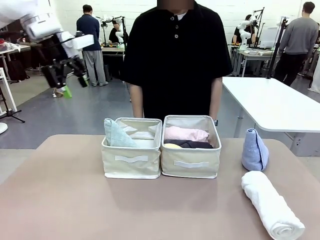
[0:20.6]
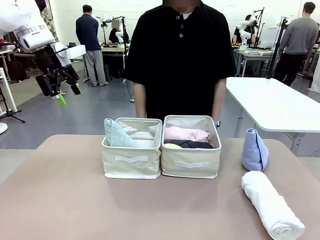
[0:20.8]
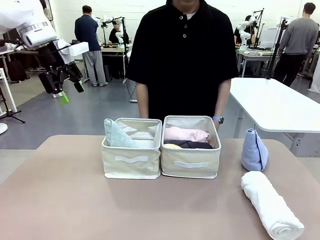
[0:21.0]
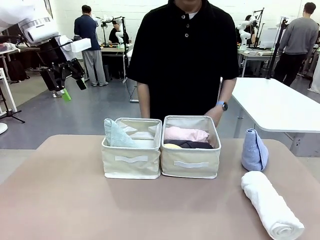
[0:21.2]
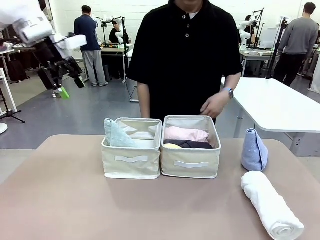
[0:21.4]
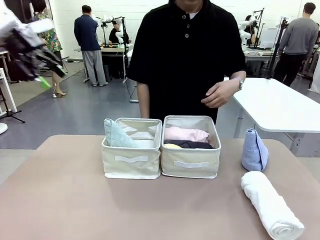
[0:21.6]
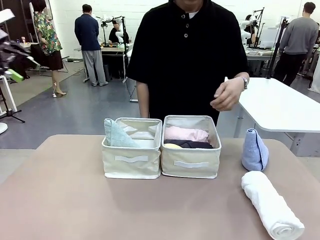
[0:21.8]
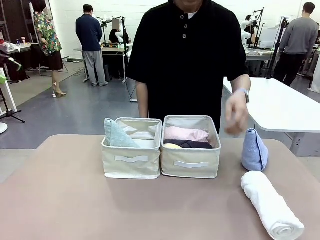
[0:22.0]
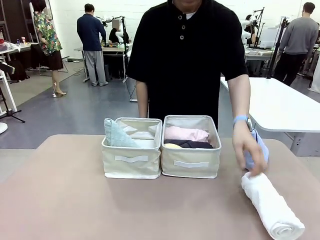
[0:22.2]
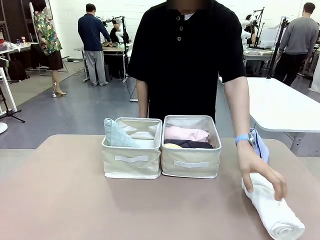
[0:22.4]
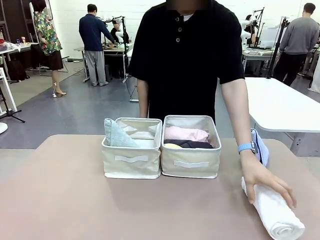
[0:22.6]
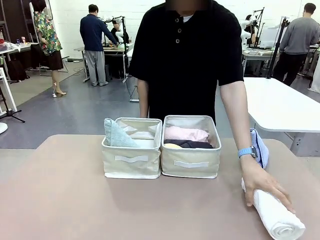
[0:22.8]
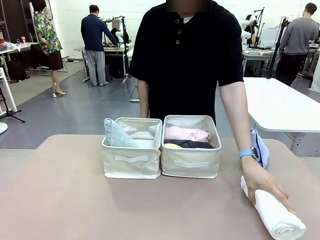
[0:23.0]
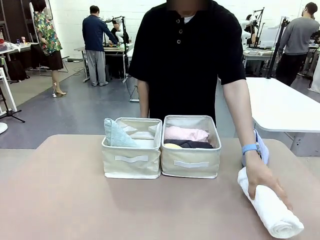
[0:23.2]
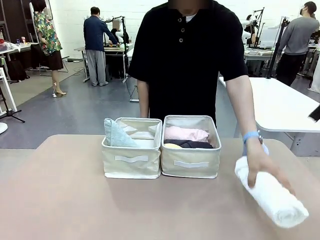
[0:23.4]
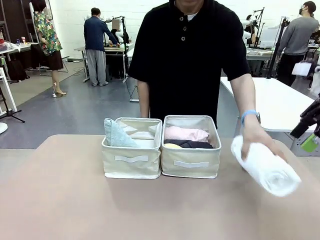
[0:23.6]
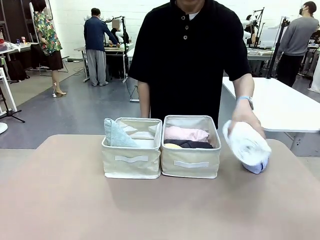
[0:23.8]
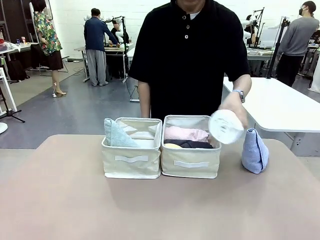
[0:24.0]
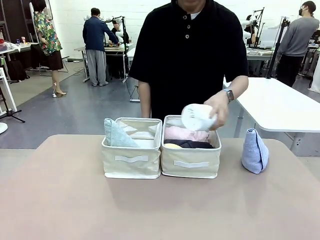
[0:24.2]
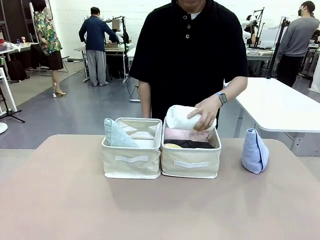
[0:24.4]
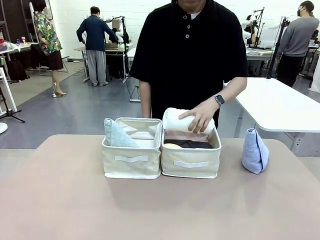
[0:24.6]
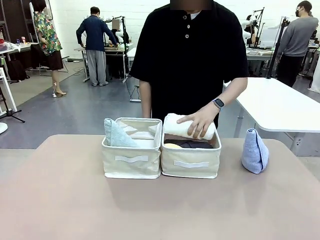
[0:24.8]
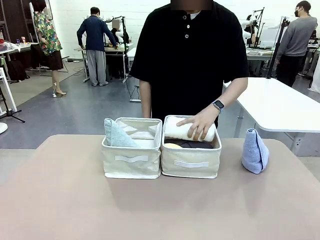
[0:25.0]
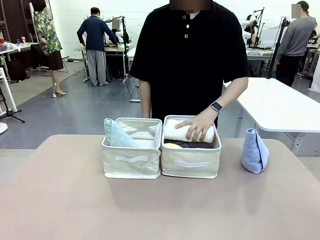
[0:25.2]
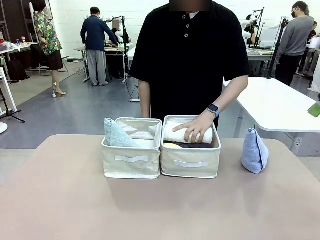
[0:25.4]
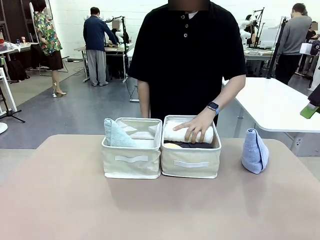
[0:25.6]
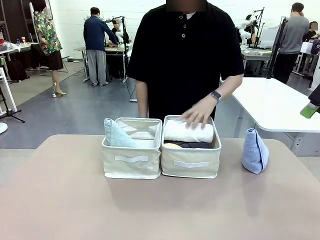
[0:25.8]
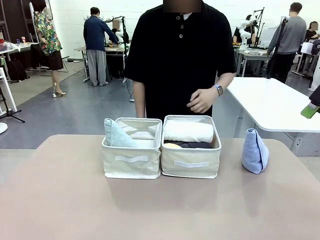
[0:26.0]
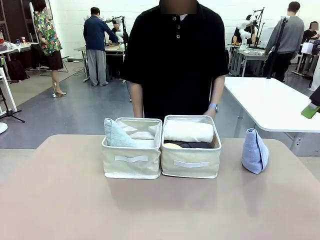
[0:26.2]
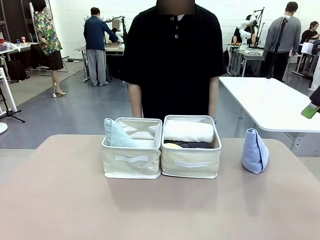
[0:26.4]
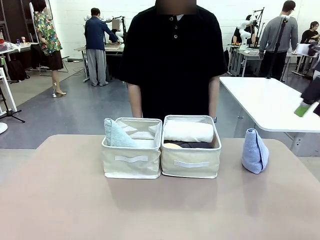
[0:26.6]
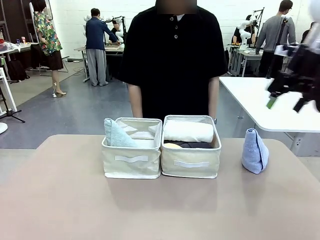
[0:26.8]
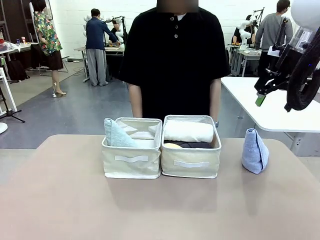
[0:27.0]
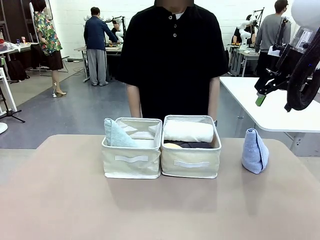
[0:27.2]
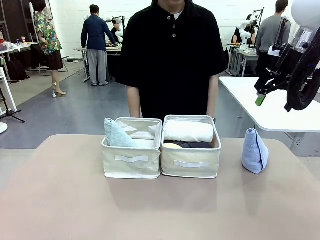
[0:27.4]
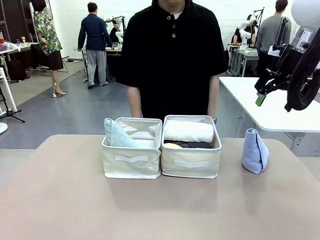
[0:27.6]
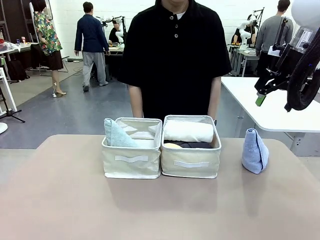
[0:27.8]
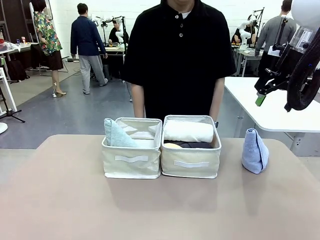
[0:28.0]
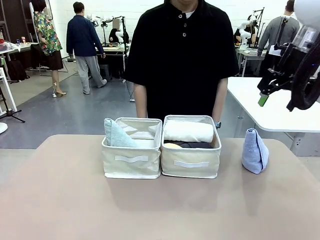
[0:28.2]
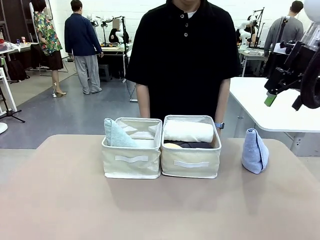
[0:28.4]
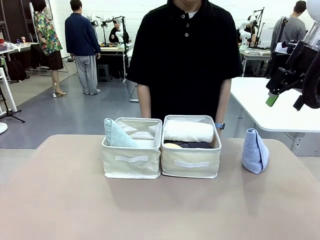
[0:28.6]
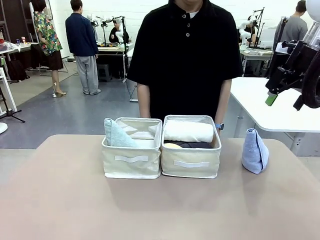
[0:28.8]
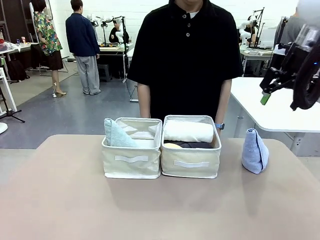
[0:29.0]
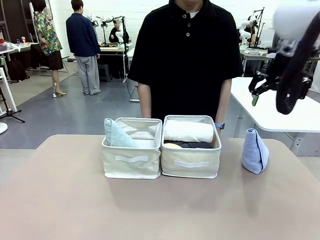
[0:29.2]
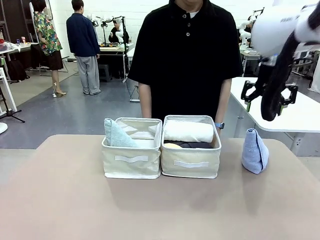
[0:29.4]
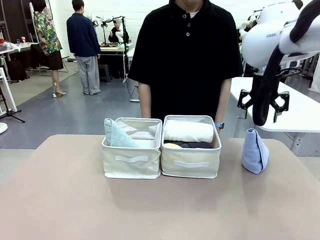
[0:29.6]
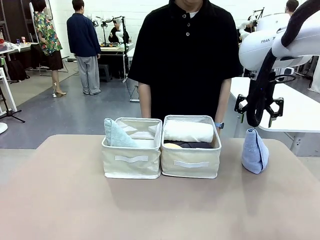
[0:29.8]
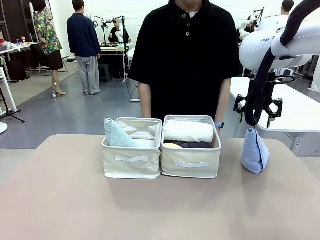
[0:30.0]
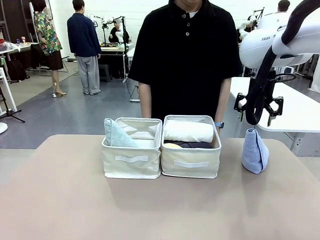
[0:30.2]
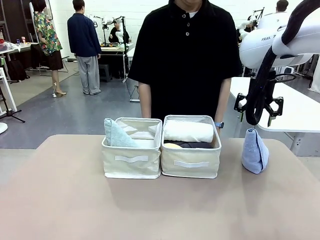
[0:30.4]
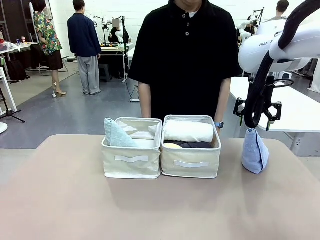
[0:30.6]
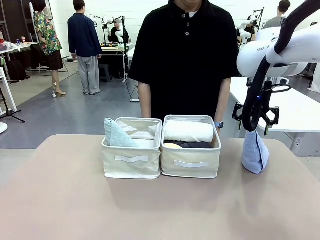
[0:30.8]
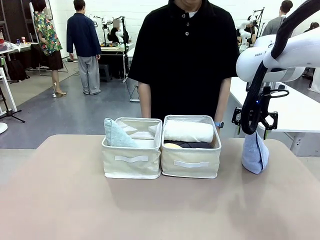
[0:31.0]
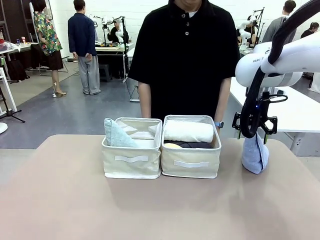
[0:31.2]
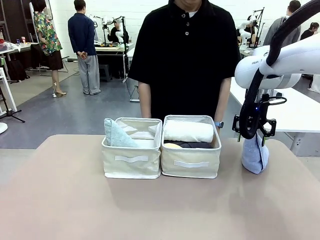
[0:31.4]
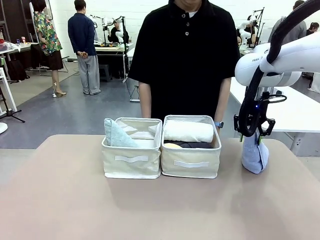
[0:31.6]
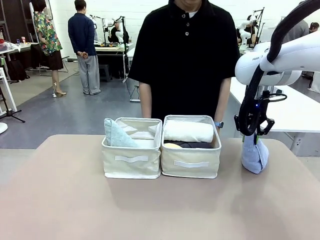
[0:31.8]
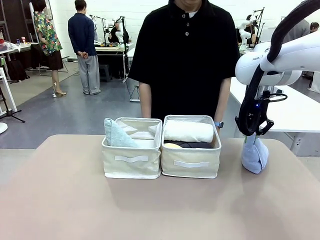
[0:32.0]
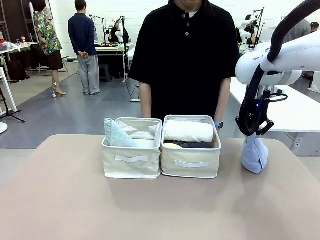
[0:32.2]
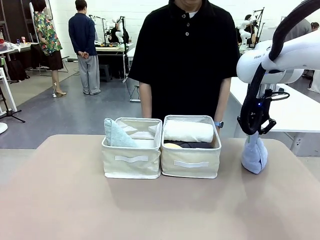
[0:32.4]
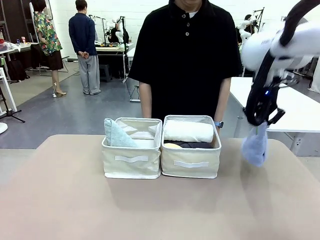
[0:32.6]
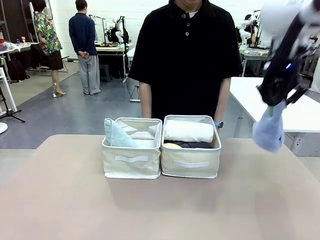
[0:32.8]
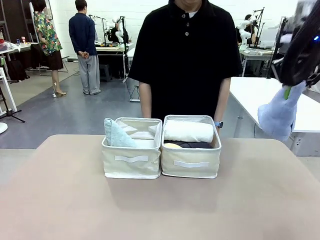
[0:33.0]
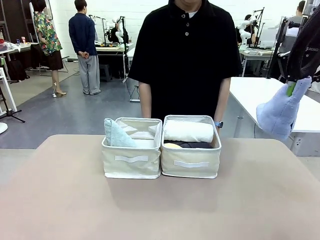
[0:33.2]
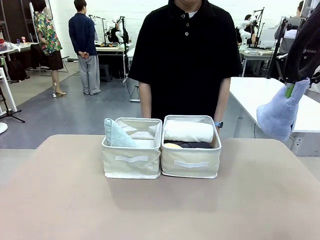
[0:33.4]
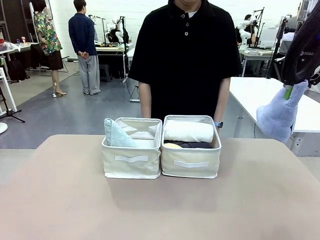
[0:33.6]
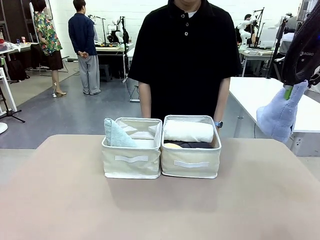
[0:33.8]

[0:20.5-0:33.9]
Task: Sort the towels based on their folding style.
Robot: Pick up another triangle-folded towel from the table and place it in the left Fabric basket.
